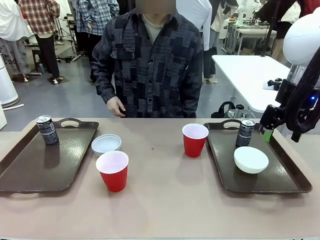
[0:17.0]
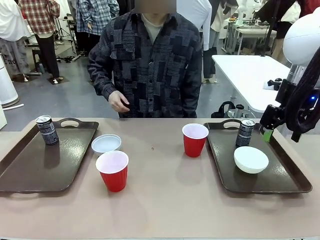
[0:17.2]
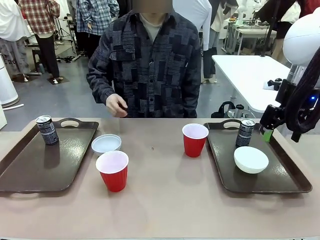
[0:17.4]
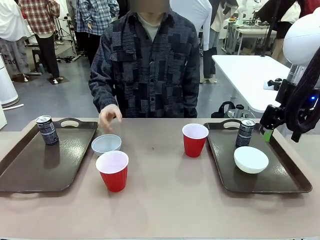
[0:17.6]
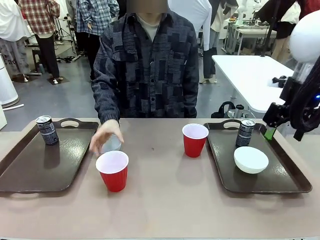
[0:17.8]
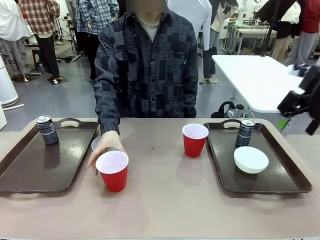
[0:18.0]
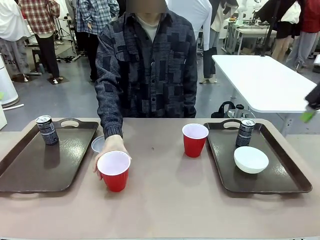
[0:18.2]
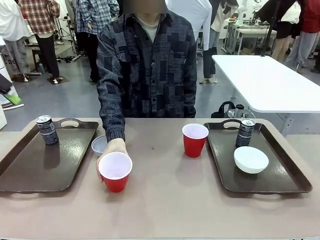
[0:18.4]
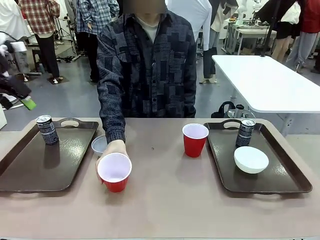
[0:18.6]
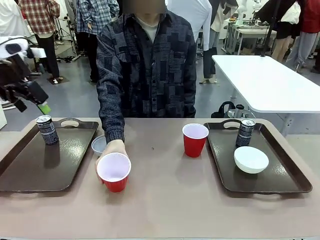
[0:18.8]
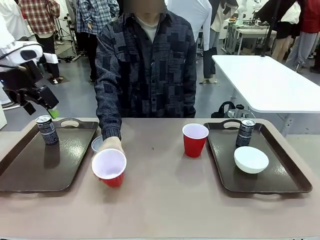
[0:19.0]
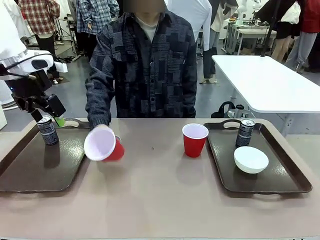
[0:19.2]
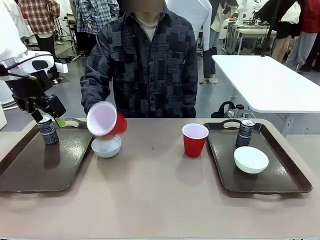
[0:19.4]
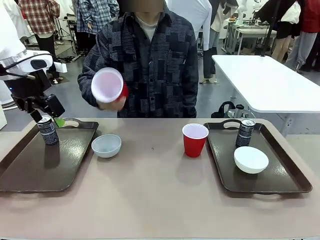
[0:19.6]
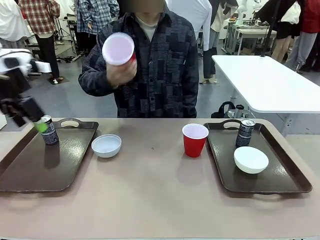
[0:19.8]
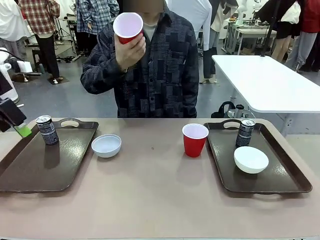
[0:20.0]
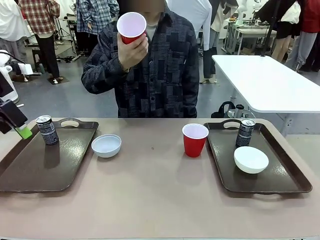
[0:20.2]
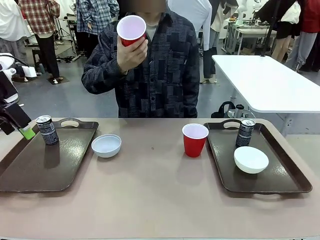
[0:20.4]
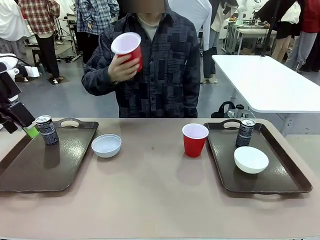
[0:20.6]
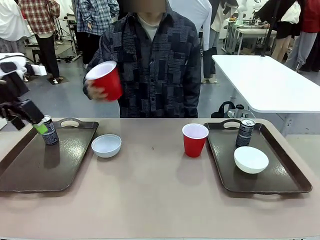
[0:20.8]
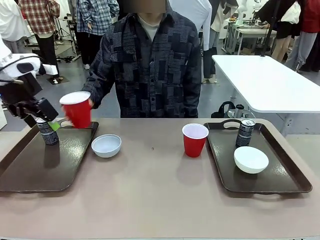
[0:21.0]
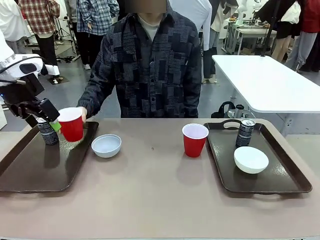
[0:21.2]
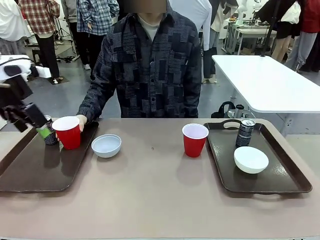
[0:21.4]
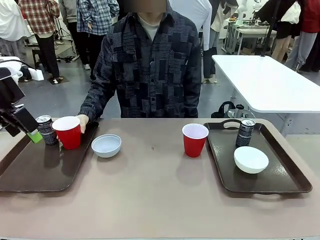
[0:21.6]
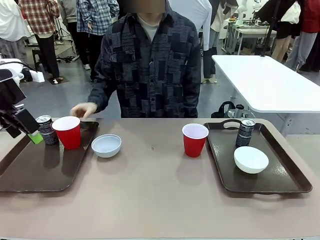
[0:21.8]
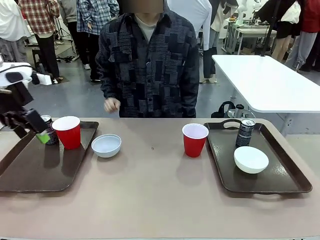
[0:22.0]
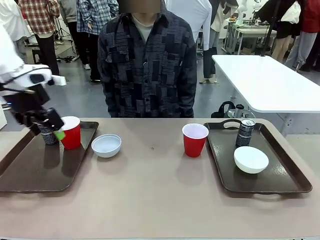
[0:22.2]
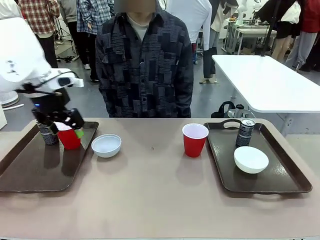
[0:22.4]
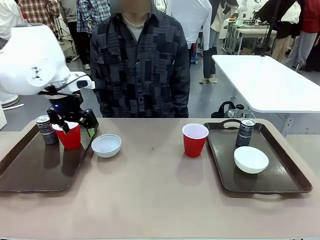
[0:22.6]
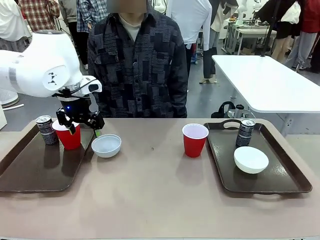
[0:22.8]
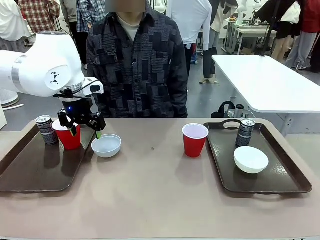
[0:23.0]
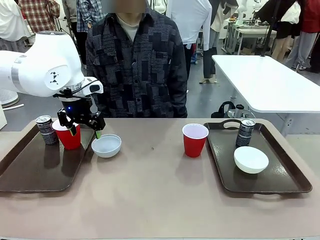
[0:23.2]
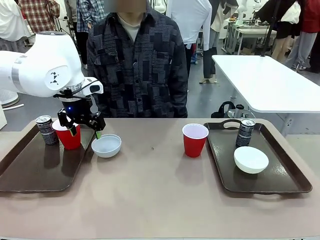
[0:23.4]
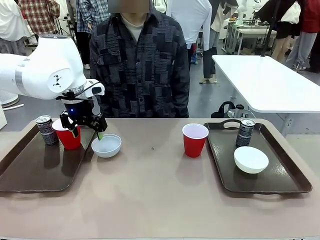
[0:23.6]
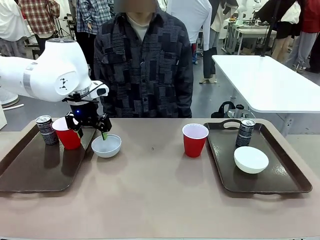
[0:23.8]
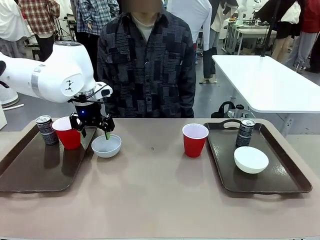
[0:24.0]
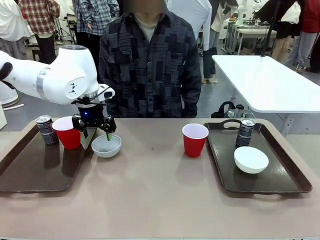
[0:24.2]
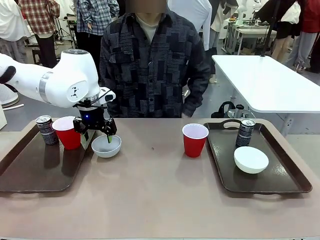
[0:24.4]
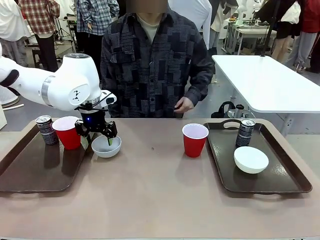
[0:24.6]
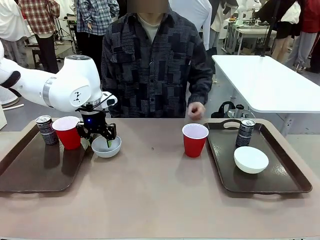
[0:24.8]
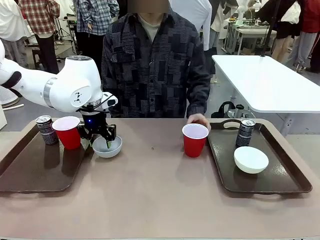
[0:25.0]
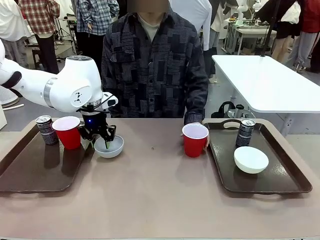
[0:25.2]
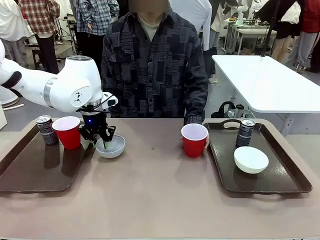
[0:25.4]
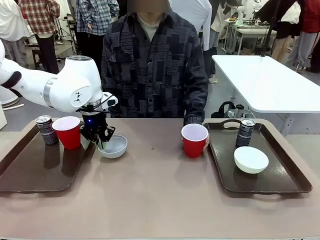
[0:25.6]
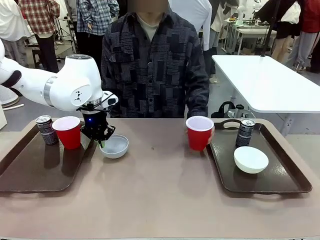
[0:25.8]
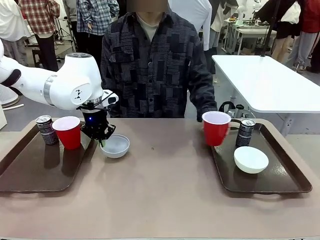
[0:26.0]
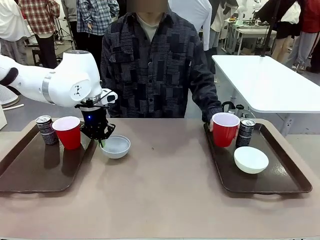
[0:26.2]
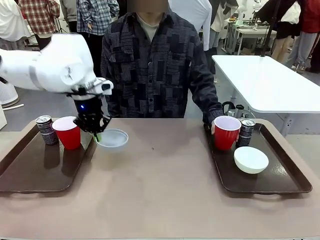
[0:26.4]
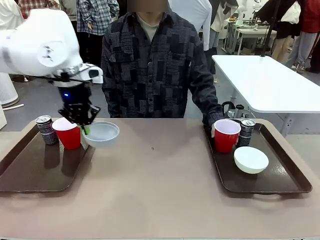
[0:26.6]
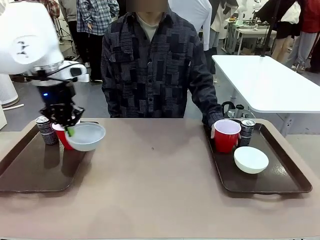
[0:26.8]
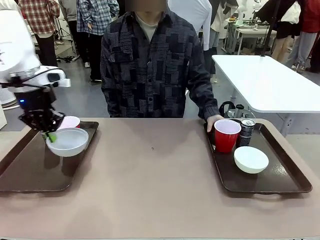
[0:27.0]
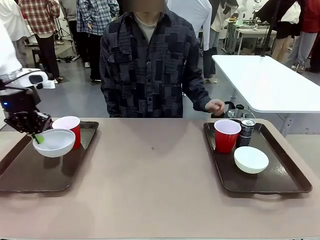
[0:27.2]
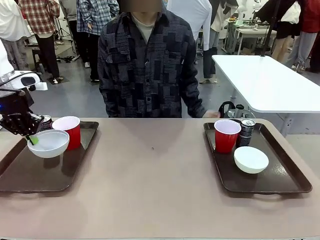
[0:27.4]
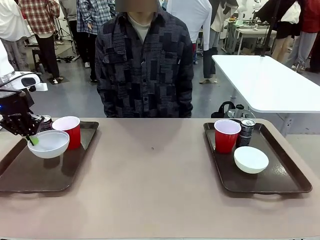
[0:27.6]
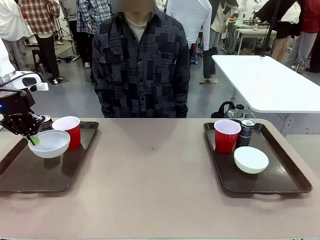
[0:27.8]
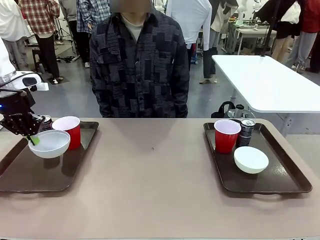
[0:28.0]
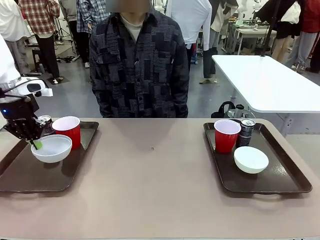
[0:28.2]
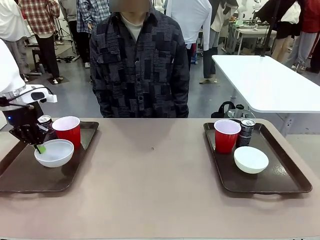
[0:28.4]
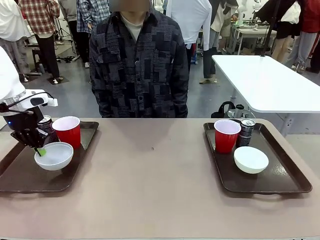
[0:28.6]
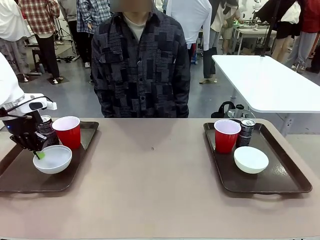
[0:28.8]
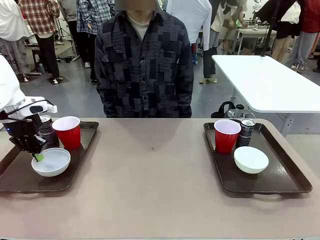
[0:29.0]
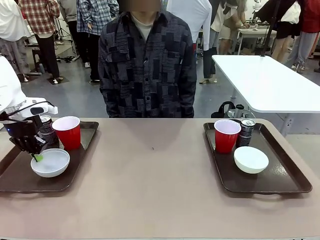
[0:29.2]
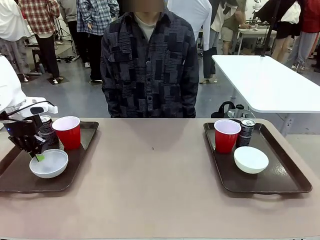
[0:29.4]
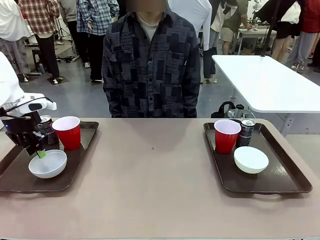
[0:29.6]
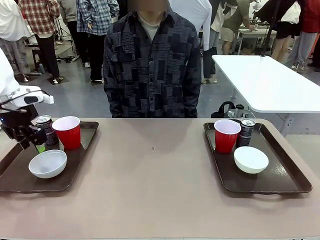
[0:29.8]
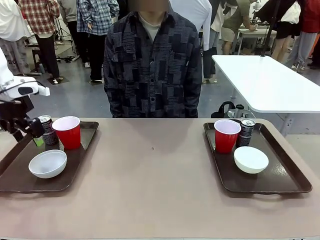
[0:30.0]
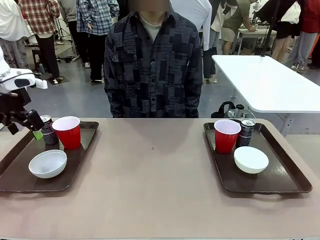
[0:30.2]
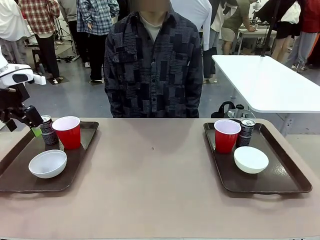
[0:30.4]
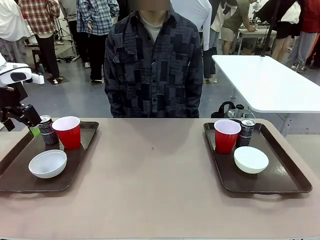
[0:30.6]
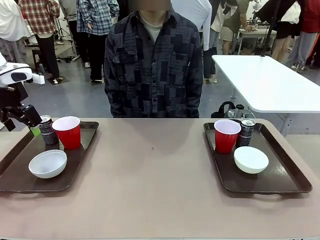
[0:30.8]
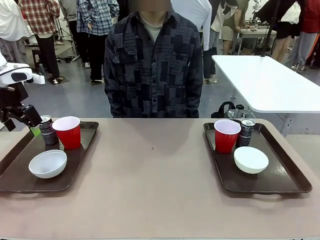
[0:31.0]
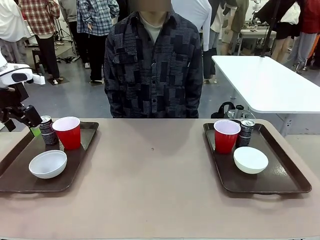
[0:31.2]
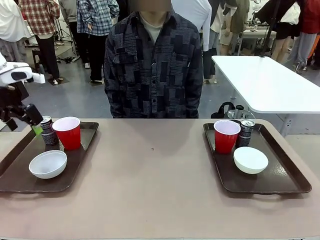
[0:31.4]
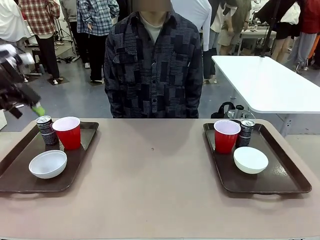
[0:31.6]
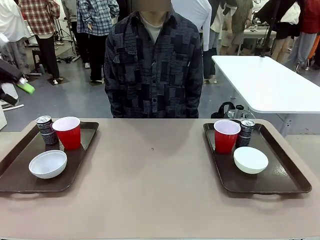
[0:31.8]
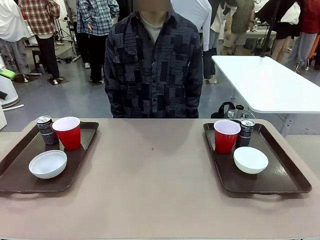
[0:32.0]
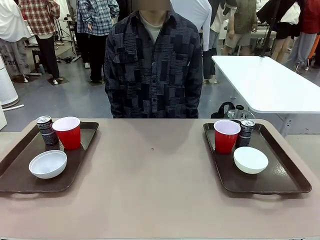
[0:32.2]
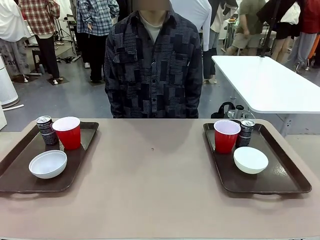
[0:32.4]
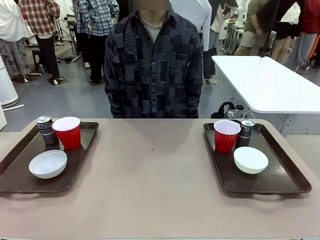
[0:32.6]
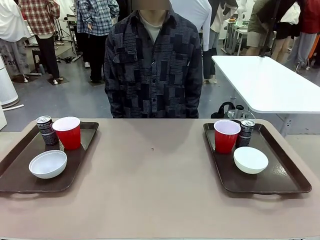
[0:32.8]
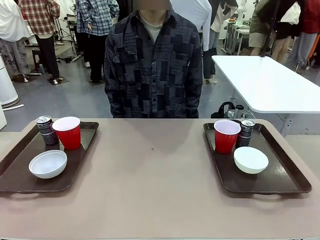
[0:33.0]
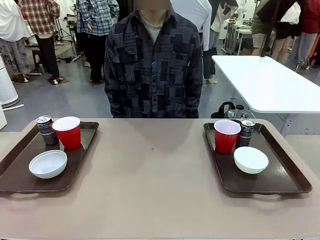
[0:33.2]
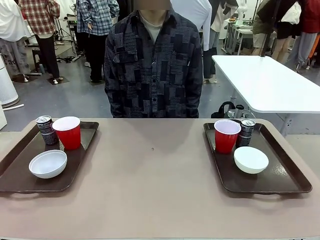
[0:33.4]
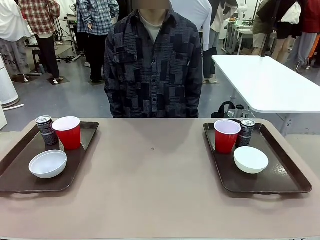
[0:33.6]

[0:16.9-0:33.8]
Task: Prepare tableware on both trays.
Robot: Pick up a Picnic Bowl from the table and place it on a Handle tray.
Person: Pick up a can or cup and place it on the tray without a can or cup.
